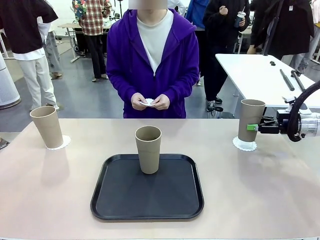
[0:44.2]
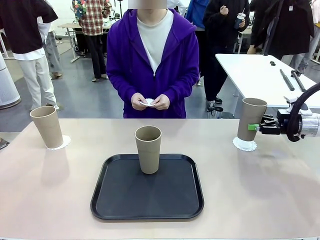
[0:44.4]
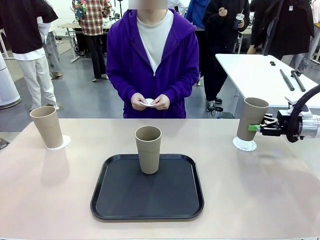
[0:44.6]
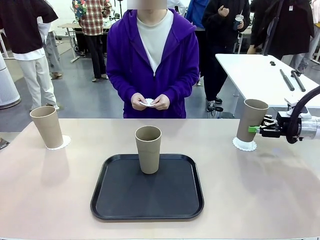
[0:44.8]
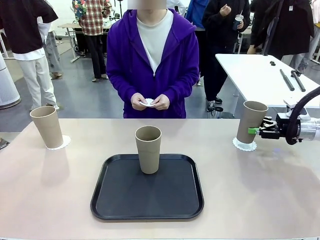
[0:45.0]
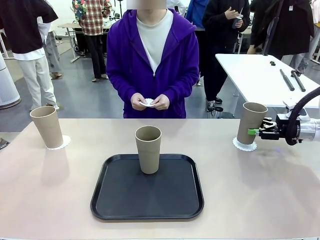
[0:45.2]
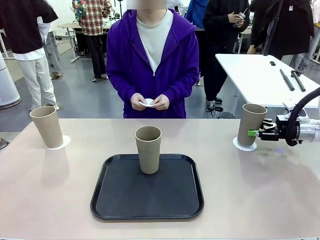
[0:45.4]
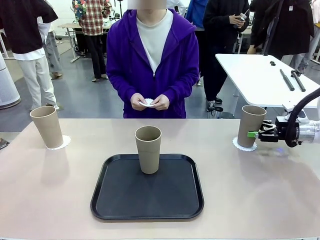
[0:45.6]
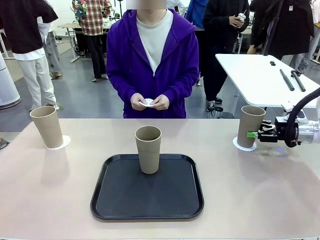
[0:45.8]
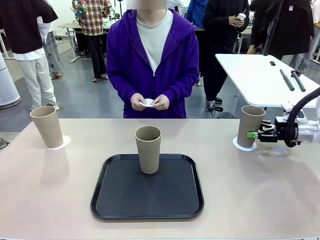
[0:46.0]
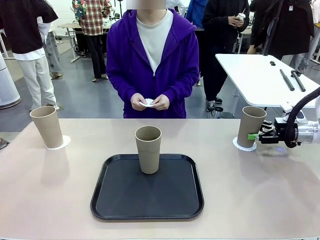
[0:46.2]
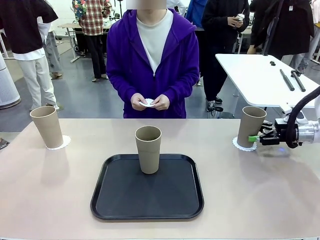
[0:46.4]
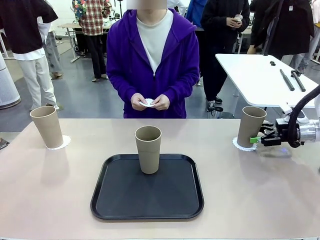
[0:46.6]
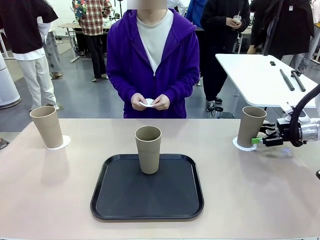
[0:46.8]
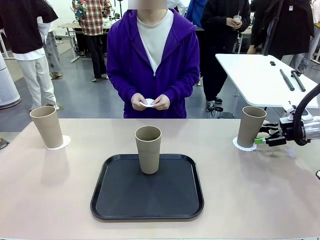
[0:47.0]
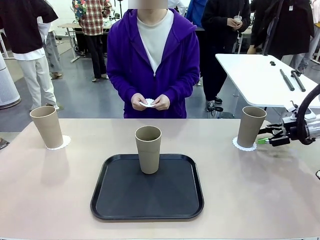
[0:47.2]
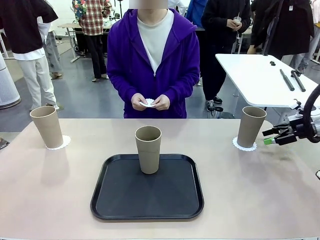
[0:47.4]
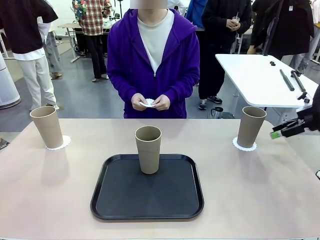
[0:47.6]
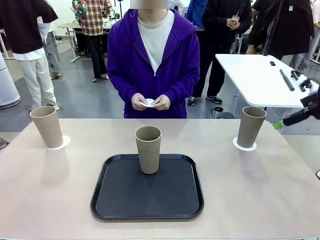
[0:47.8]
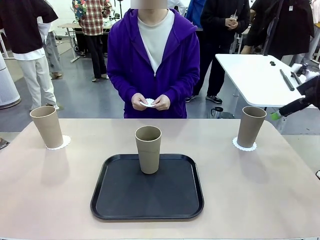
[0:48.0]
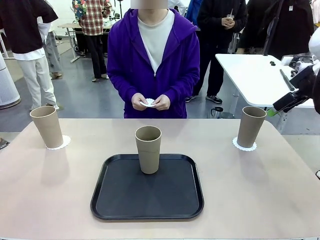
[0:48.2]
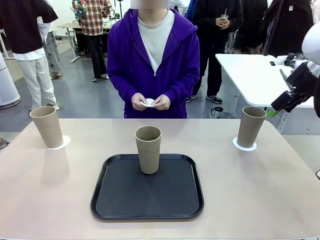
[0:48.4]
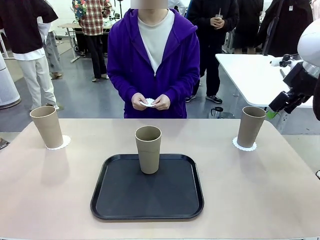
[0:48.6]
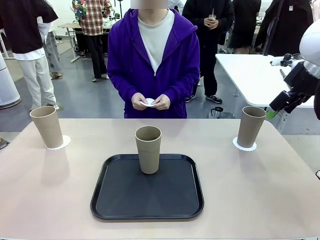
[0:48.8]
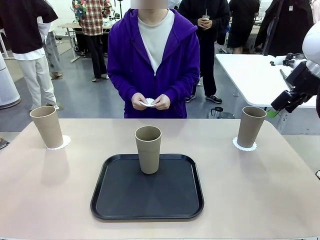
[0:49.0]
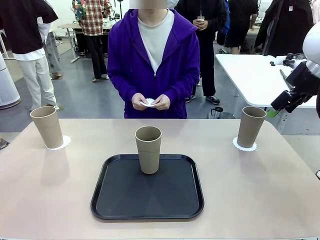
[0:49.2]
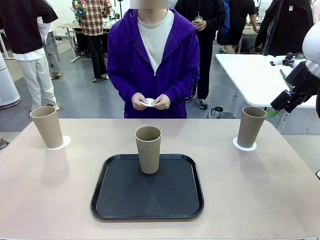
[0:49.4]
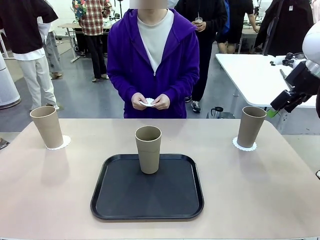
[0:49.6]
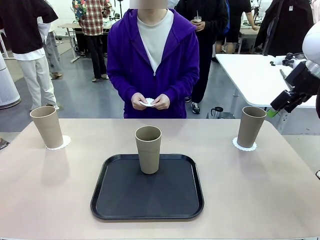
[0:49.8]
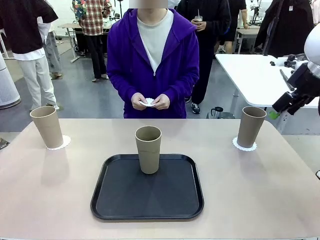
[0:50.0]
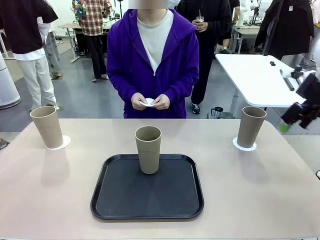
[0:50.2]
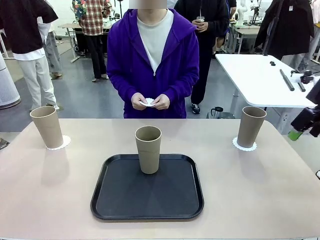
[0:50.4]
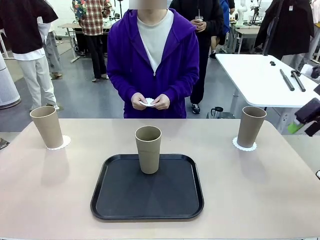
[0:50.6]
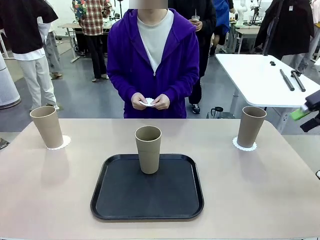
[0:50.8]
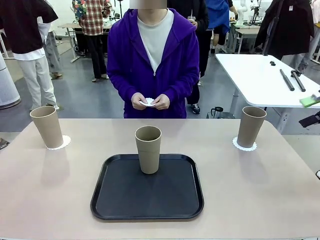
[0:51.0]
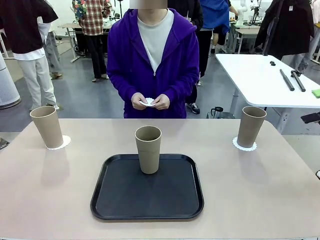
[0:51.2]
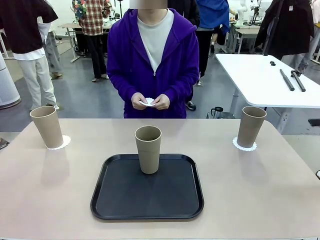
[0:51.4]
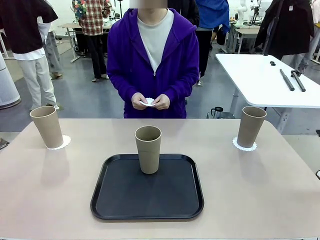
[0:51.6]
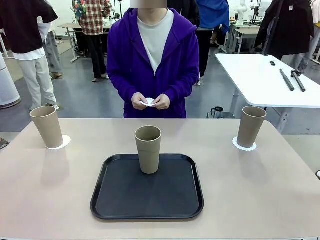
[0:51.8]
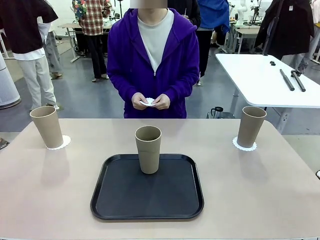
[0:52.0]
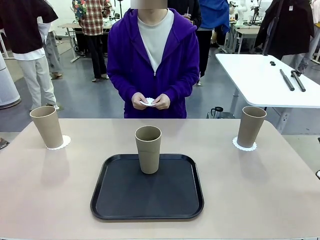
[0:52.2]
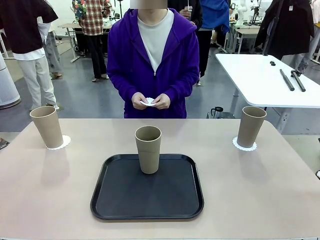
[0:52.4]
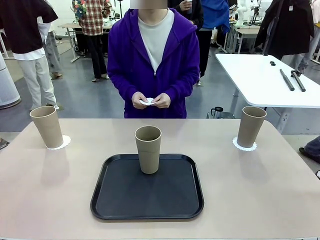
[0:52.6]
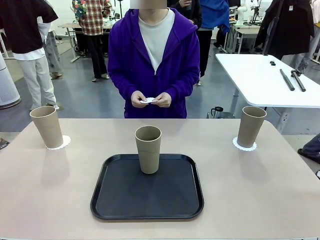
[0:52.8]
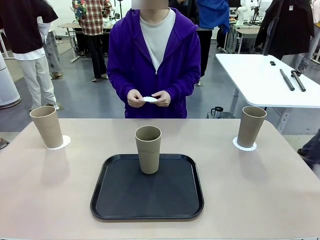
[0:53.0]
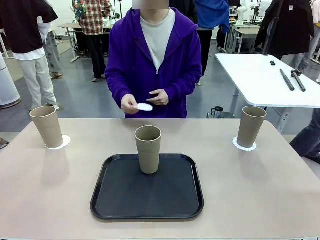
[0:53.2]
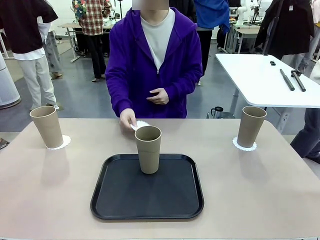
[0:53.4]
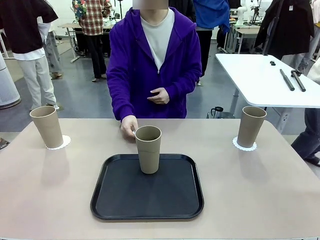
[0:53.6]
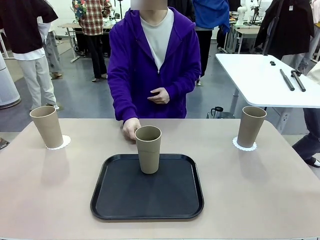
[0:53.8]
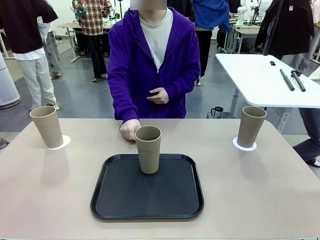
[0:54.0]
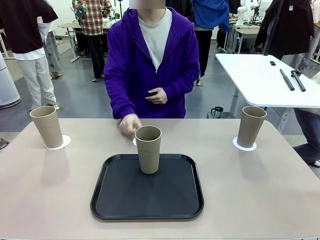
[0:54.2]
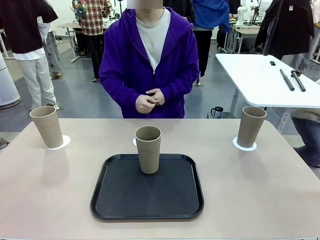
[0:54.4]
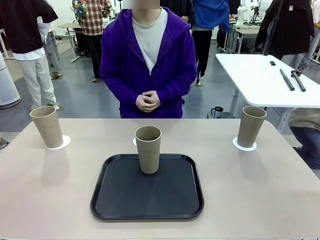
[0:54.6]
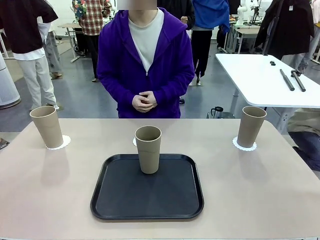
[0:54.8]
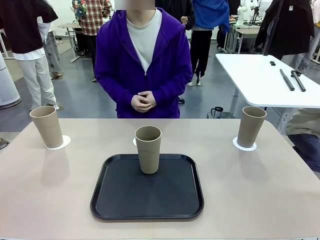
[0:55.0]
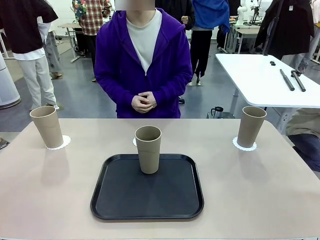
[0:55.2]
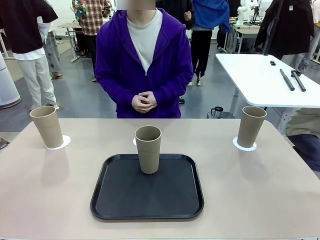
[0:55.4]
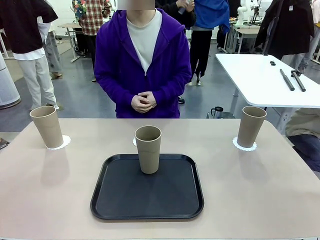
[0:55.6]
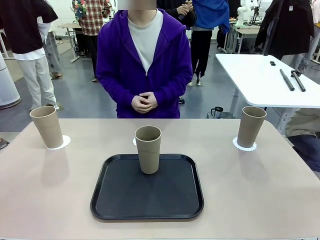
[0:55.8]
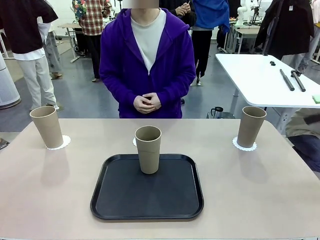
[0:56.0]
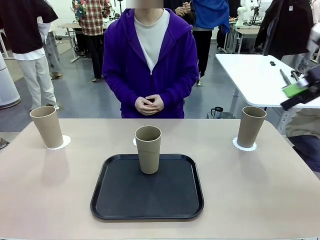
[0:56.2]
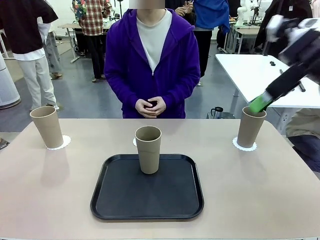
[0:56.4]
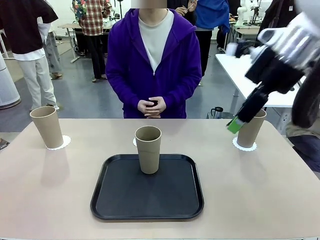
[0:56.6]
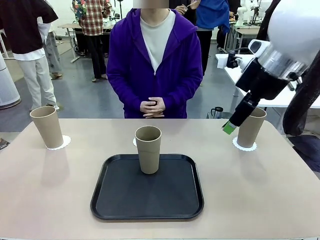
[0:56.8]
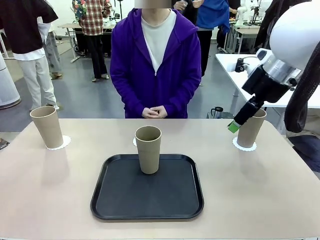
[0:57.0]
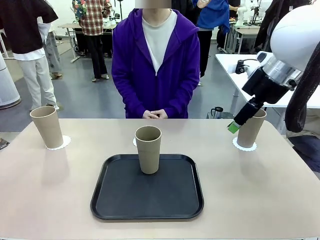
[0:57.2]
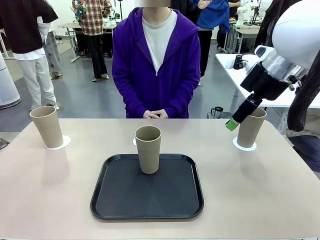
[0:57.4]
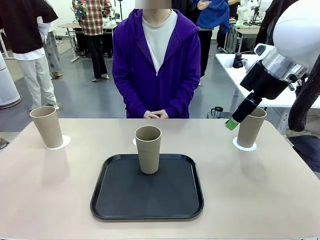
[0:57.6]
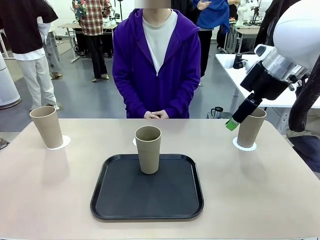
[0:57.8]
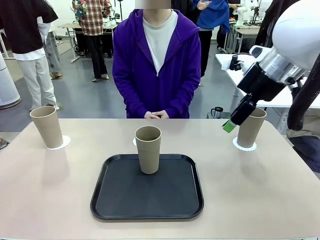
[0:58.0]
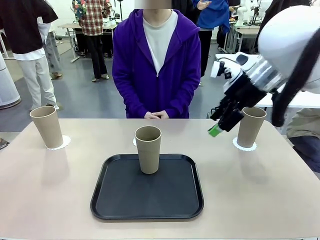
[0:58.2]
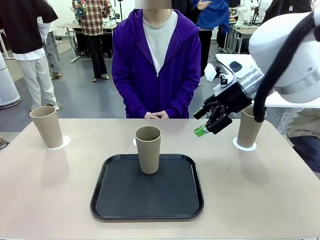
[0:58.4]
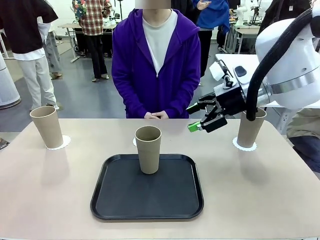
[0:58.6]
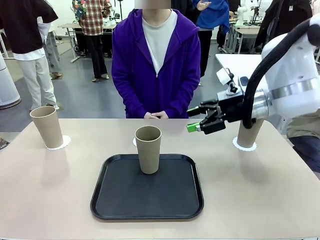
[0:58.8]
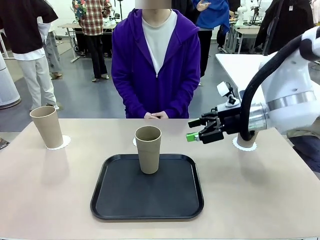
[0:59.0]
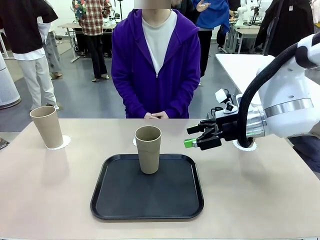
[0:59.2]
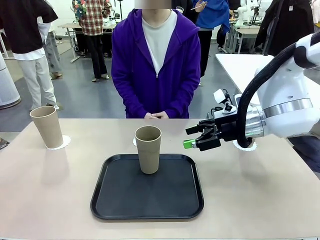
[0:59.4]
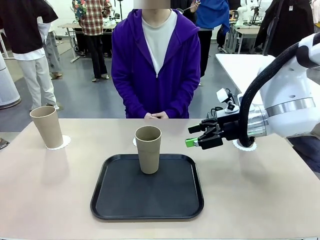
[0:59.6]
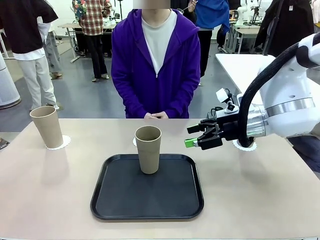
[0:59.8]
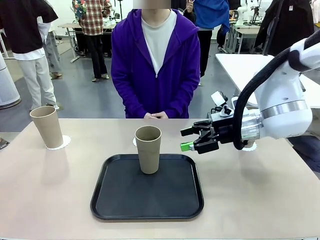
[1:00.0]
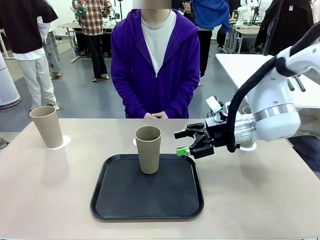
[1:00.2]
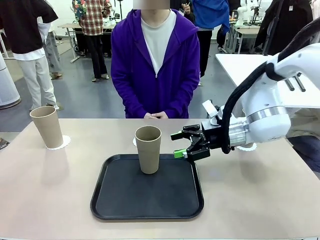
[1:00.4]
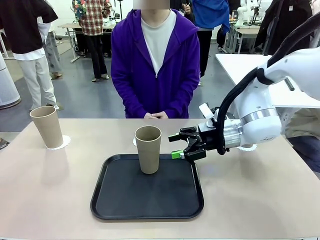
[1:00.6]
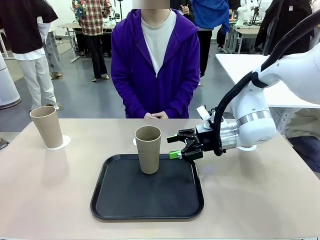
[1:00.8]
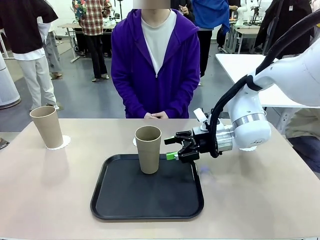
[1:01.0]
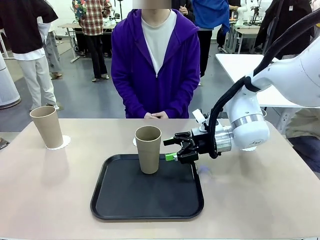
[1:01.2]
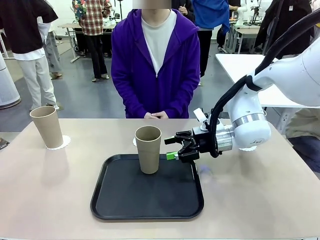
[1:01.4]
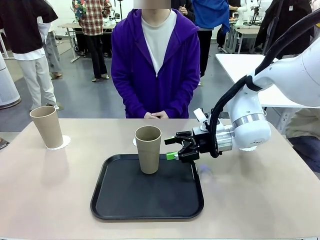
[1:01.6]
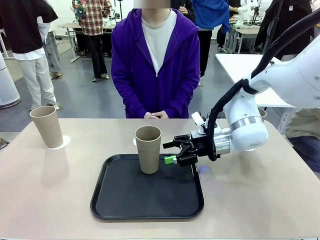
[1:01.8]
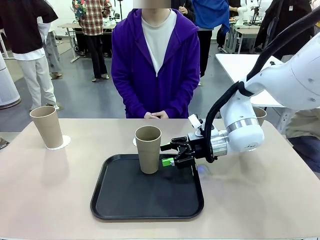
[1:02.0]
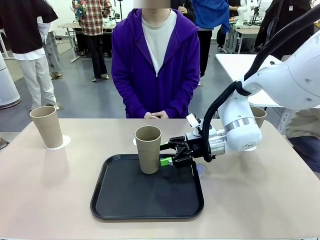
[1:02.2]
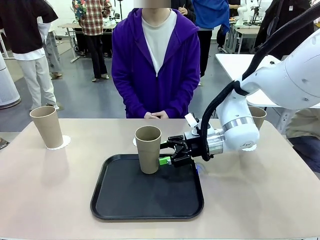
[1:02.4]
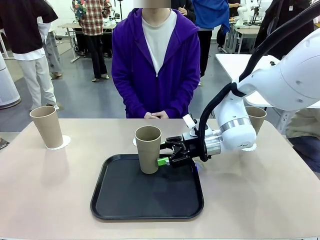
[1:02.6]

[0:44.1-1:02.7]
Task: Place coasters on the table and set cups on them.
Robot: Take one Reusable plastic cup from the Flat Tray and place it on a coaster set by the human.
